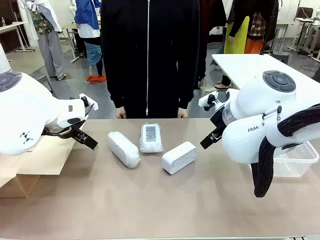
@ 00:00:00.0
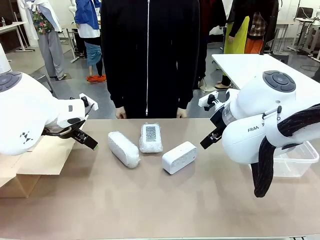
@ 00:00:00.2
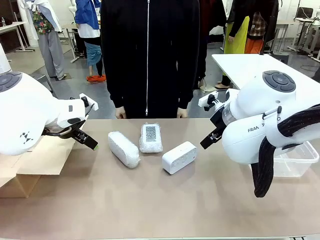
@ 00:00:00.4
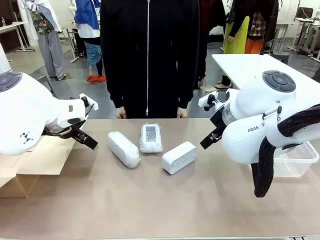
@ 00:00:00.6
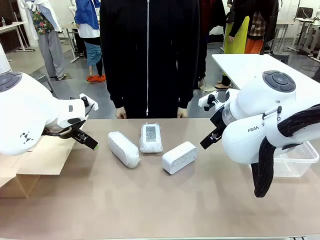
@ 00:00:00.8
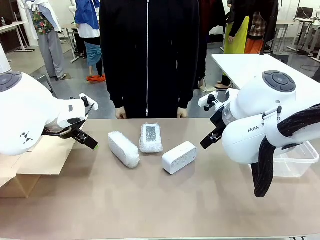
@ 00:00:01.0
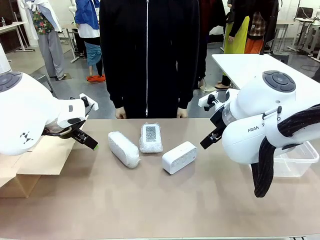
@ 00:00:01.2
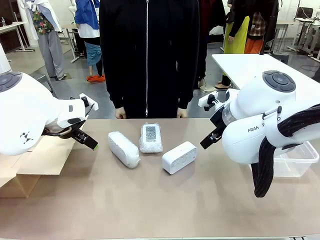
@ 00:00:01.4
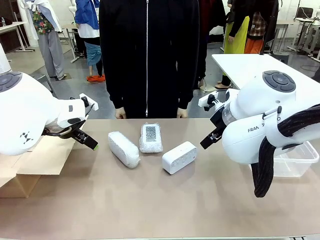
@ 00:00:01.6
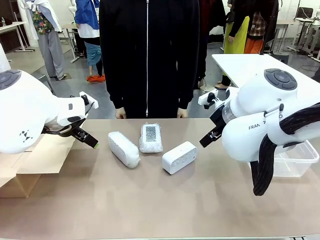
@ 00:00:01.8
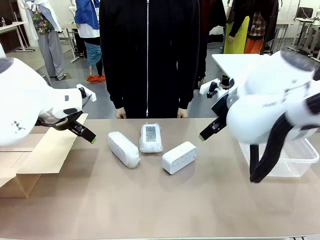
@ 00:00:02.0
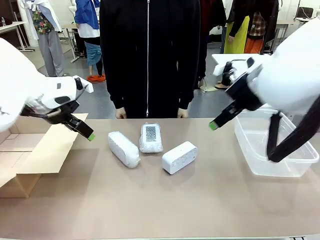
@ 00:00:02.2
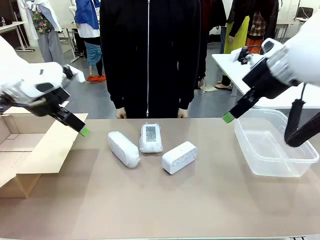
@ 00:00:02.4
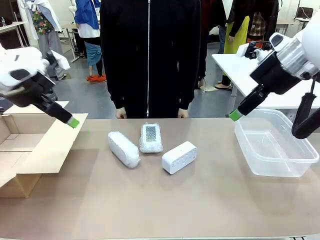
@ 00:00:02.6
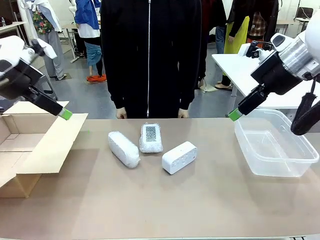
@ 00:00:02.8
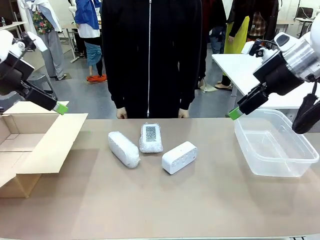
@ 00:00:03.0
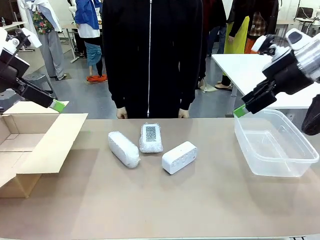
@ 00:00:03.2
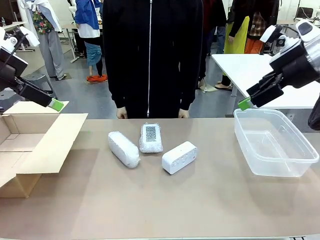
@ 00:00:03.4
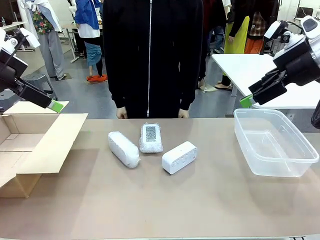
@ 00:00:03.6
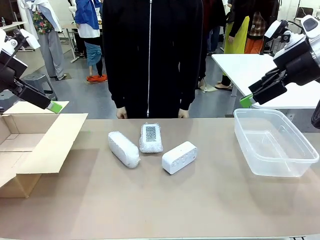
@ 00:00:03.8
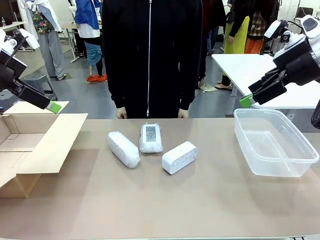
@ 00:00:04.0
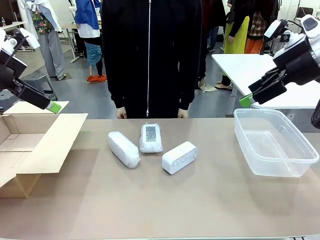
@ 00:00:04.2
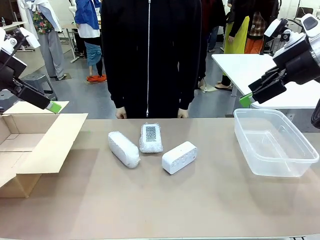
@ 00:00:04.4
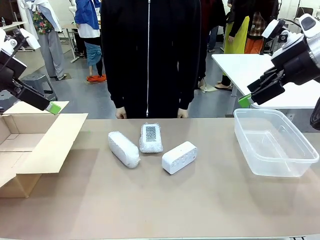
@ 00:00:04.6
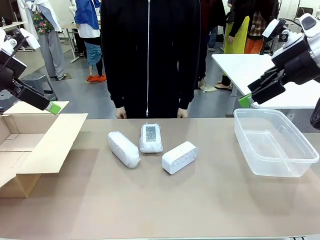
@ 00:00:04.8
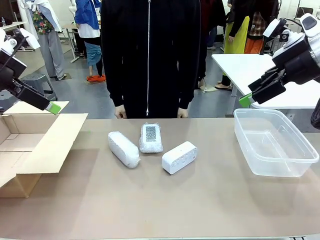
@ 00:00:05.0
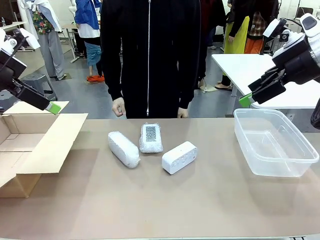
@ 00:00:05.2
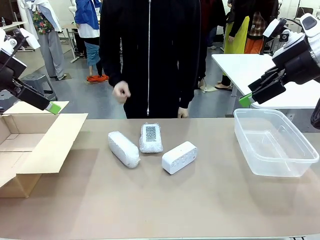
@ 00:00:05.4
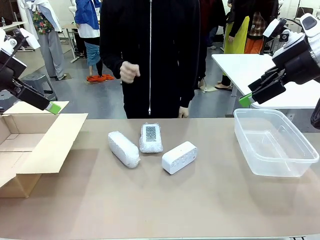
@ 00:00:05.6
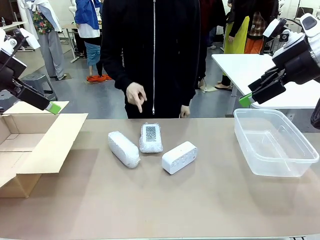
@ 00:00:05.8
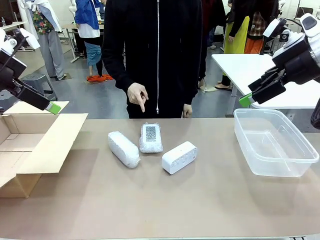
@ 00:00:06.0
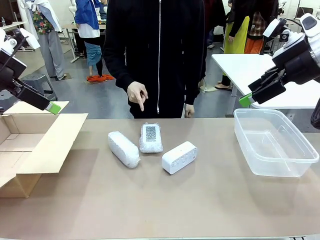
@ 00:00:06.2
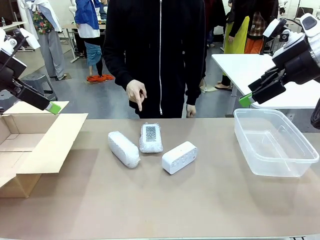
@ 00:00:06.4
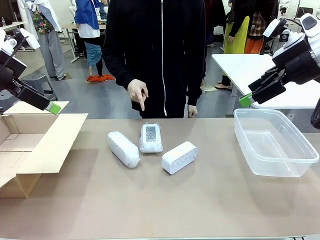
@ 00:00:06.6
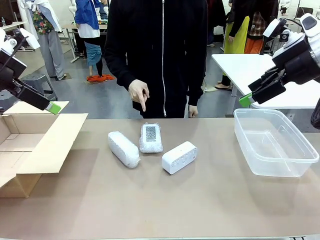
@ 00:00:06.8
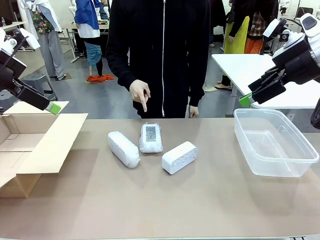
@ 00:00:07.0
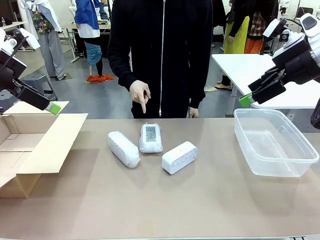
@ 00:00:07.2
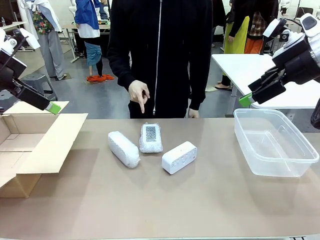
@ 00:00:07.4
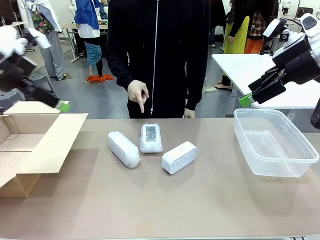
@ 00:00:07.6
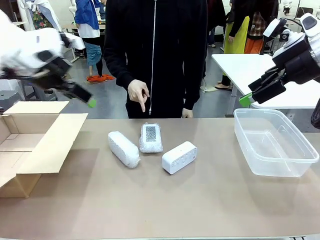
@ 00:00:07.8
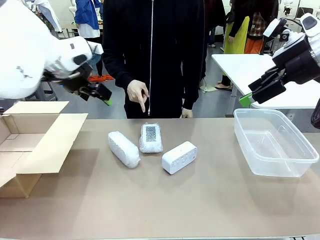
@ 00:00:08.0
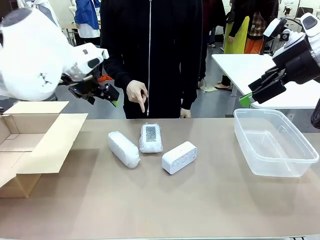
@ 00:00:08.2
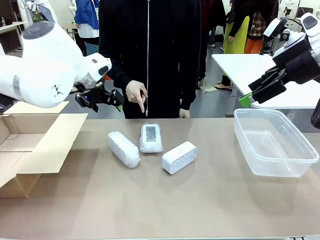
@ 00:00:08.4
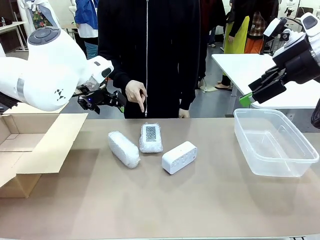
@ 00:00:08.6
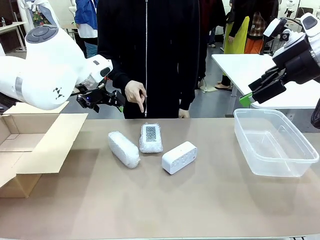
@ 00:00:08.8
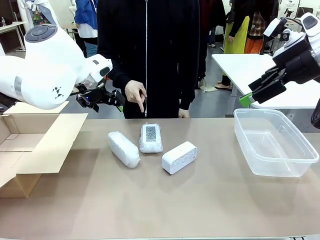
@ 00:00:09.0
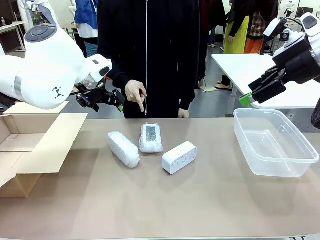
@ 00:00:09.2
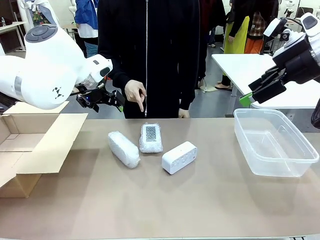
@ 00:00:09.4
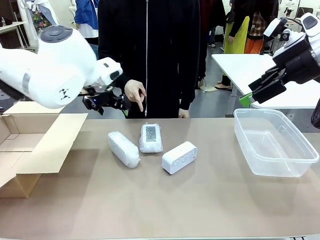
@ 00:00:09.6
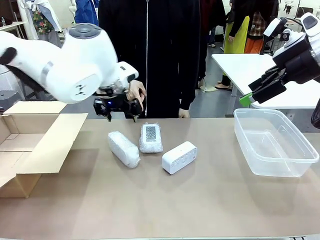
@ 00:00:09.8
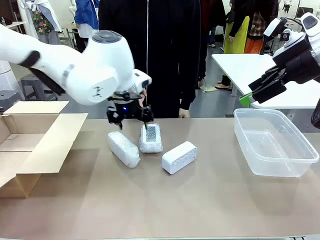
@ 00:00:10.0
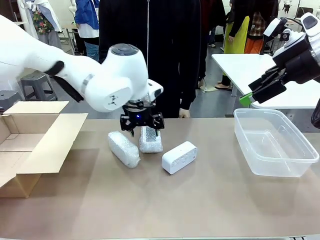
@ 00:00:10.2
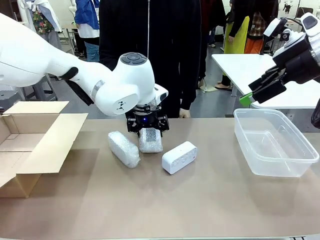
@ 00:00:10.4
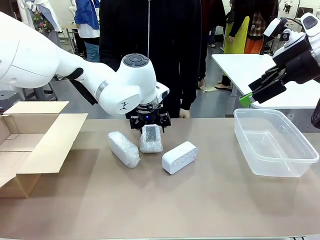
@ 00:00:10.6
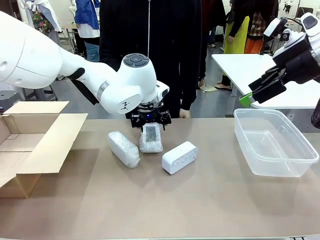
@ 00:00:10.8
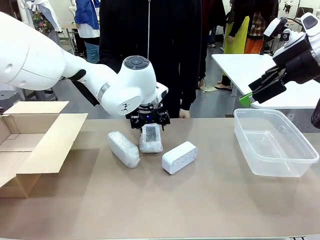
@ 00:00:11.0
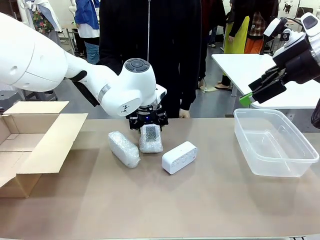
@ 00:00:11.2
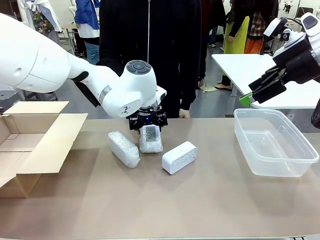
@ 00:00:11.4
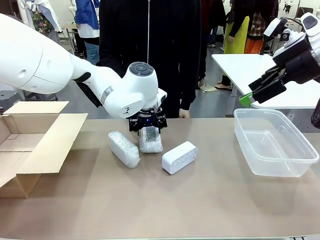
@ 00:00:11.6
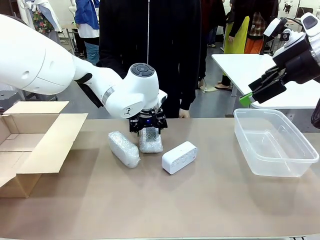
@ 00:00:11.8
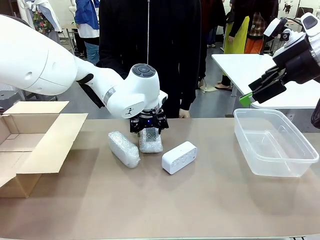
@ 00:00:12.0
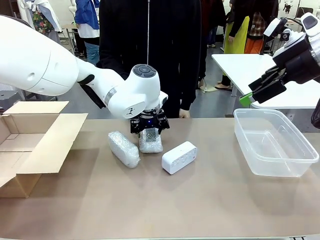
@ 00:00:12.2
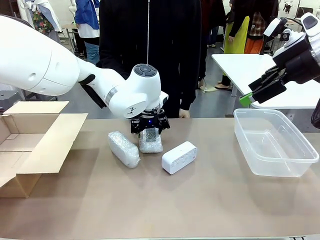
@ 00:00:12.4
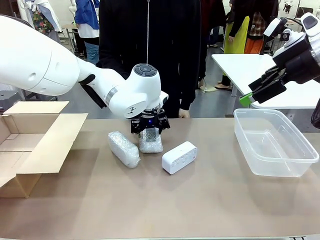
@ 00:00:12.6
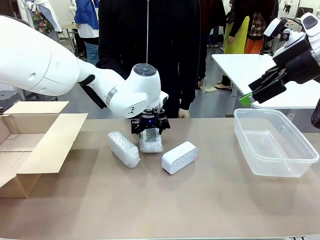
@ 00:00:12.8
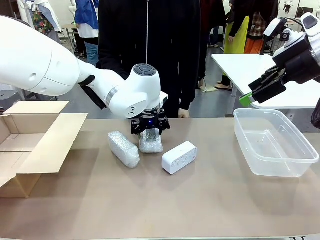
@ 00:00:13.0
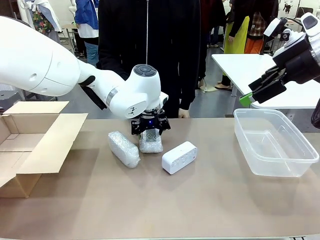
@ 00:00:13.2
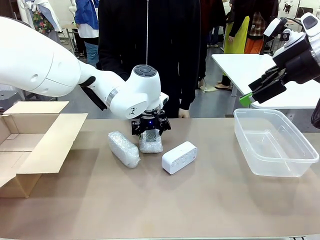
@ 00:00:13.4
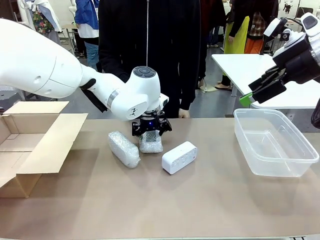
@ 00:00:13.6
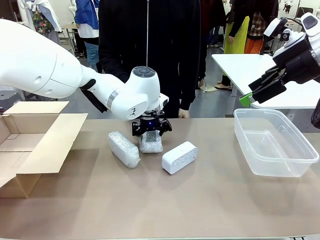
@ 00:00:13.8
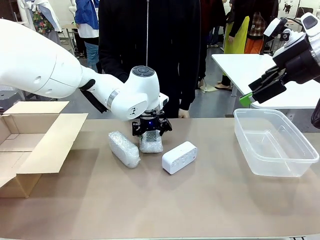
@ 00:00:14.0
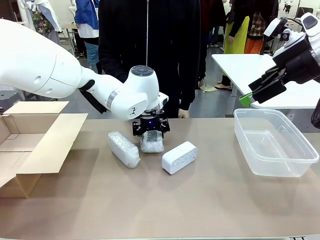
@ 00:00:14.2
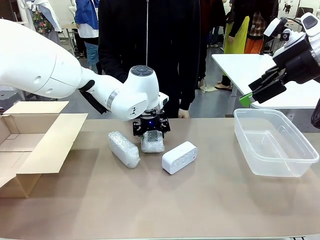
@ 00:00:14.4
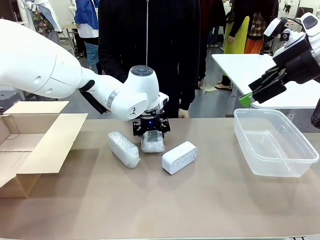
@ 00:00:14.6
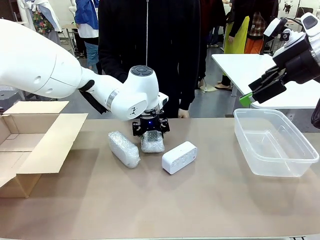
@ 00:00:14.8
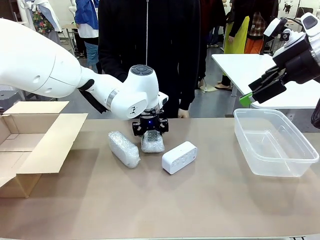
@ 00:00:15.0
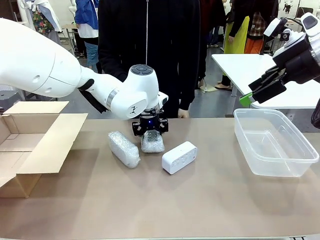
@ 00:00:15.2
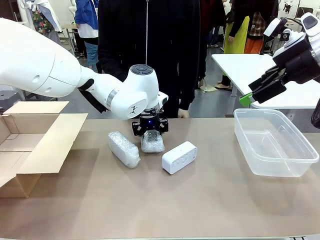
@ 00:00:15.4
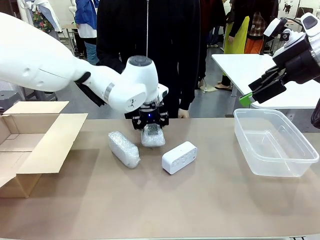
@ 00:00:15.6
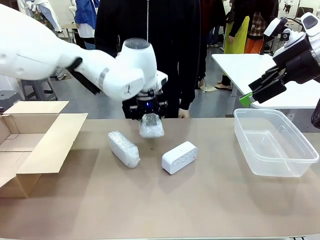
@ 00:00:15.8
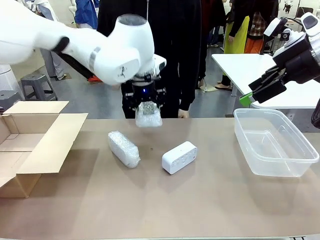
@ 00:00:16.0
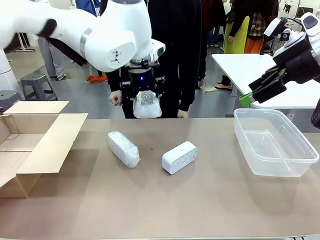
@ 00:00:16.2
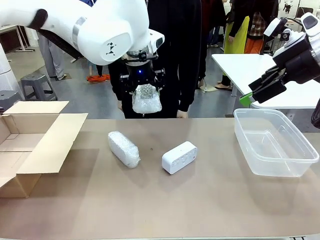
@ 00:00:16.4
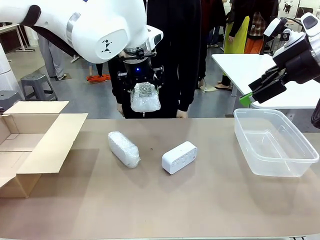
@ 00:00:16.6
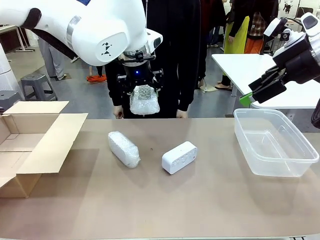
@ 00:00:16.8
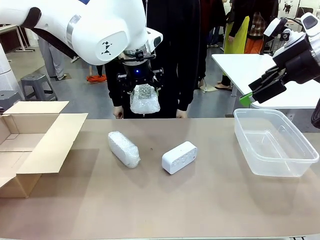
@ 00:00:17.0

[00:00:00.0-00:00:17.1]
Task: Separate and place wrapped and unwrapped clocks.
Robot: Pick up the Digital clock indicated by the person.

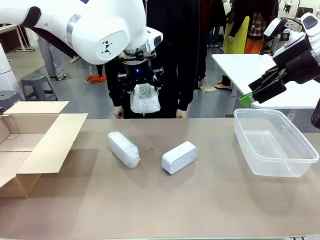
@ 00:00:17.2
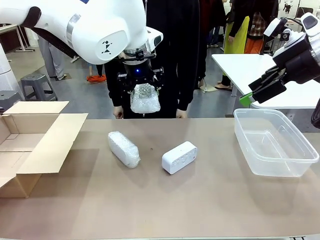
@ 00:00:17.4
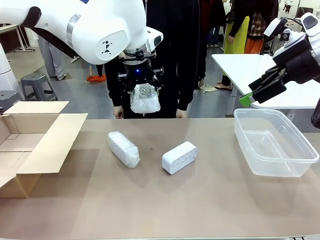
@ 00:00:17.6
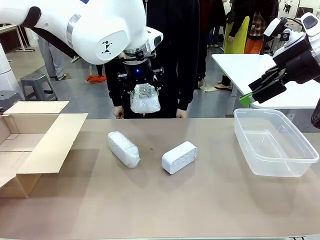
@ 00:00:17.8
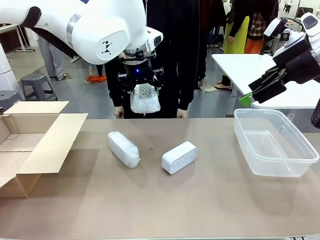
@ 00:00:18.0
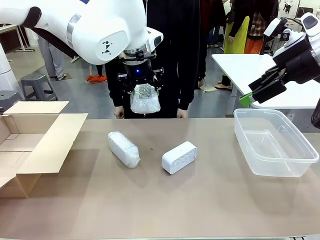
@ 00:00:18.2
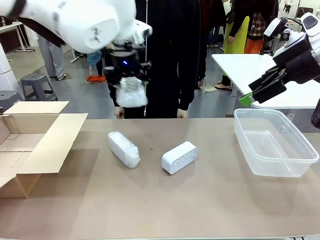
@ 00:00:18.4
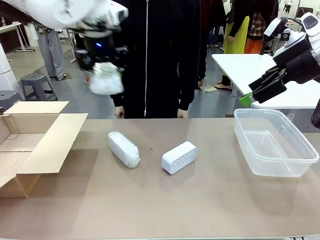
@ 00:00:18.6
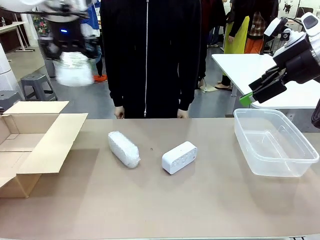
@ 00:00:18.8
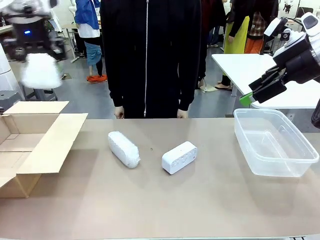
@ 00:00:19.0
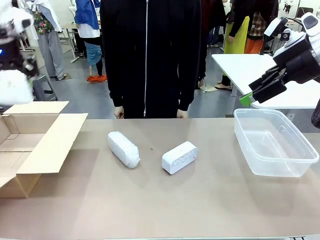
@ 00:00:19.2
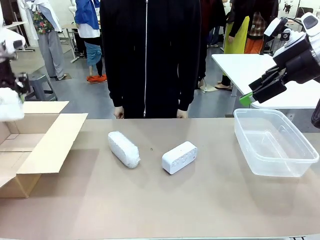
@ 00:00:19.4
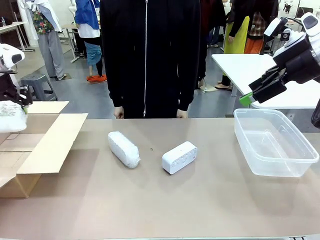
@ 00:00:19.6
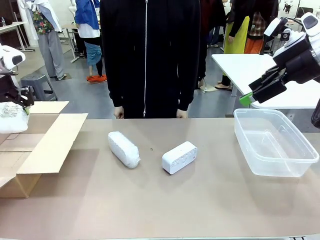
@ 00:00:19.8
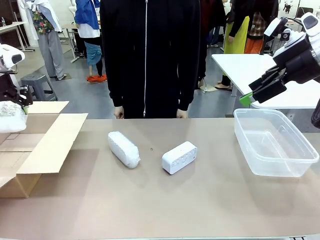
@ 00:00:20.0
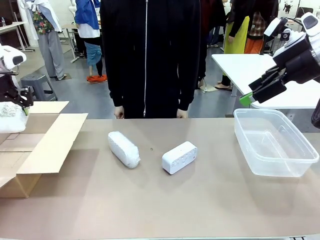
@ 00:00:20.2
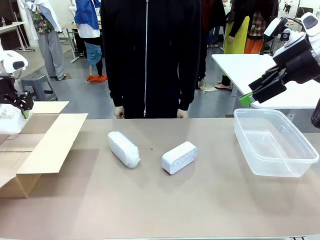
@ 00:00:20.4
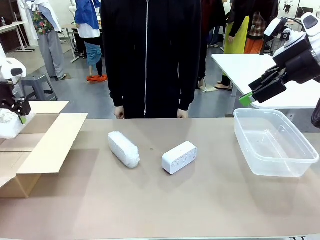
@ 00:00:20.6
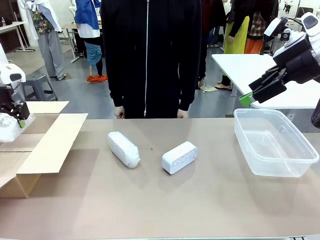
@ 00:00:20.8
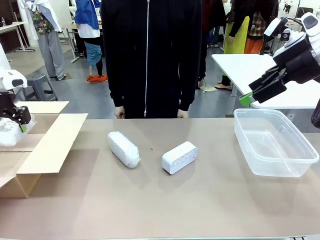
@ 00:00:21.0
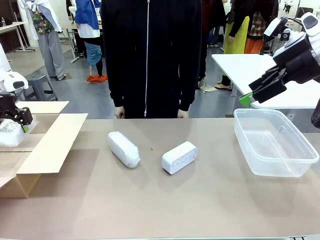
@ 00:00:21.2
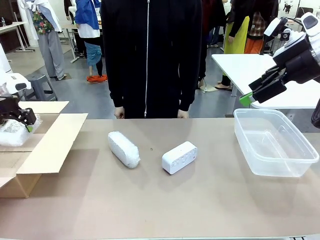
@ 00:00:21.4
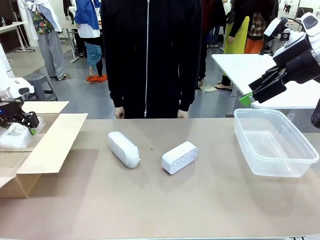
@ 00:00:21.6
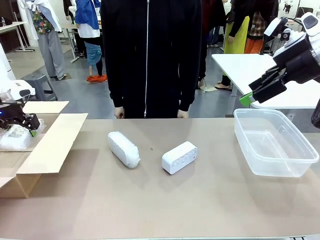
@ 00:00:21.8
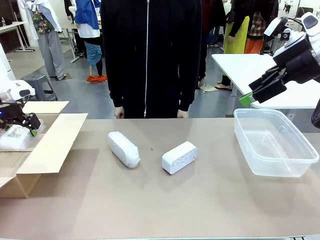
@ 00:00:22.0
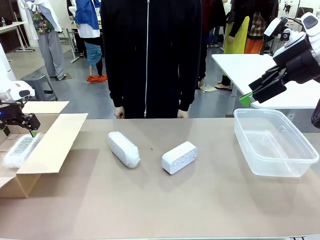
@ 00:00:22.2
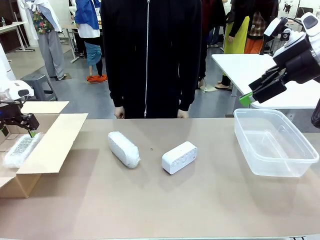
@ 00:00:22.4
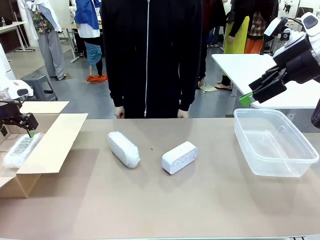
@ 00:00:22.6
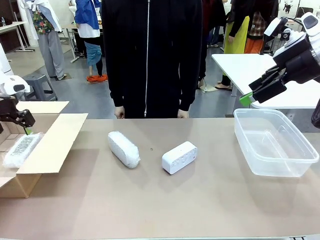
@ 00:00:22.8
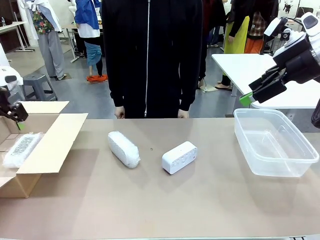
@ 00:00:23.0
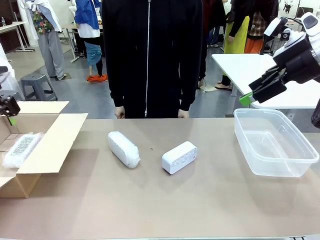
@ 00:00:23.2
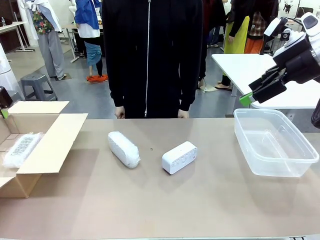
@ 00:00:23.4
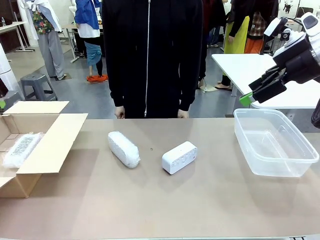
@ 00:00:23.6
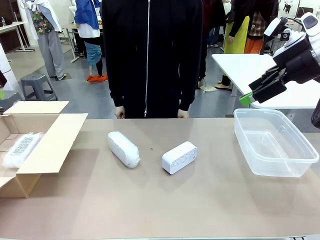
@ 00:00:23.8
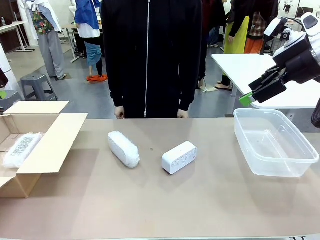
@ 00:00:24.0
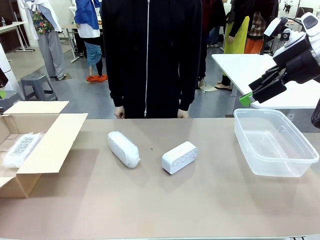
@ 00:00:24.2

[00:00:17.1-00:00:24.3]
Robot: If the picked Digital clock is wrapped, place it in the Package Box ; if not, place it in the Organizing box.
